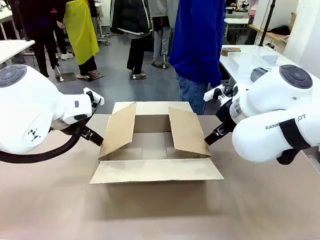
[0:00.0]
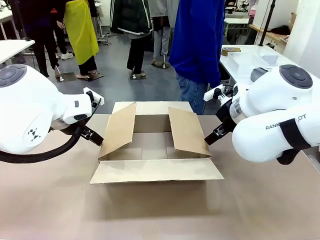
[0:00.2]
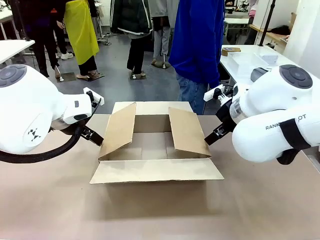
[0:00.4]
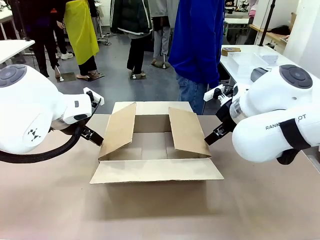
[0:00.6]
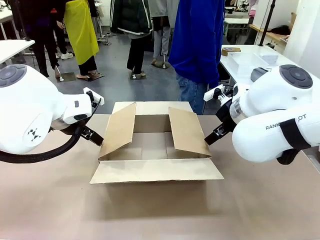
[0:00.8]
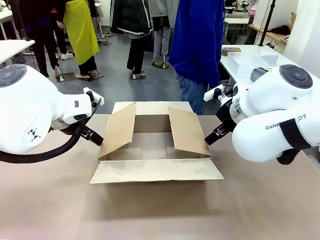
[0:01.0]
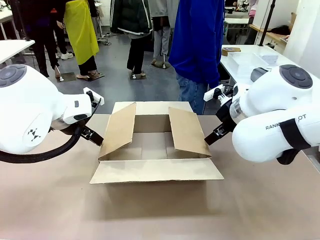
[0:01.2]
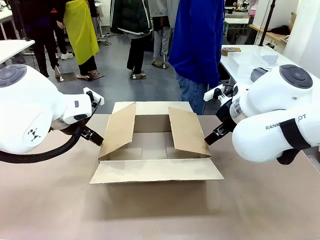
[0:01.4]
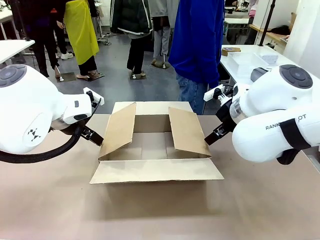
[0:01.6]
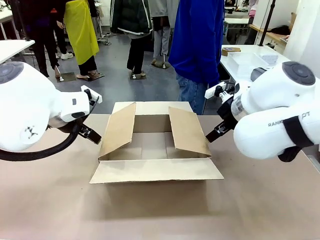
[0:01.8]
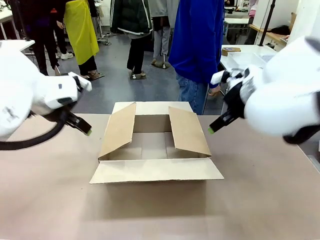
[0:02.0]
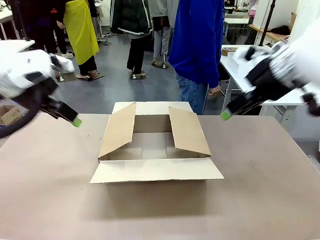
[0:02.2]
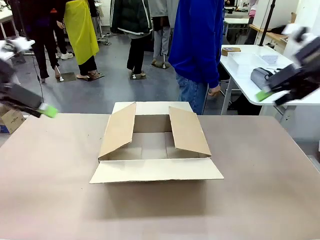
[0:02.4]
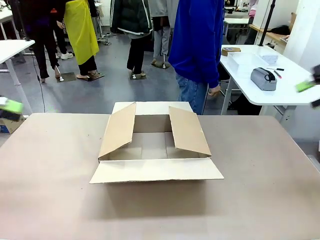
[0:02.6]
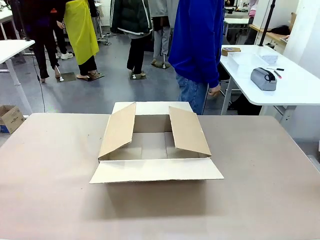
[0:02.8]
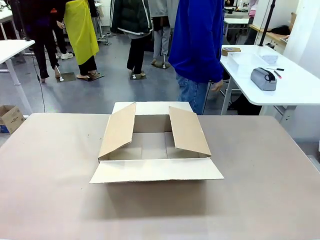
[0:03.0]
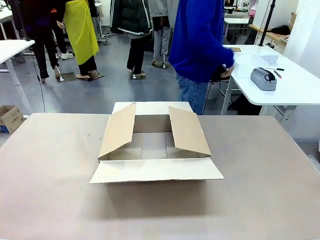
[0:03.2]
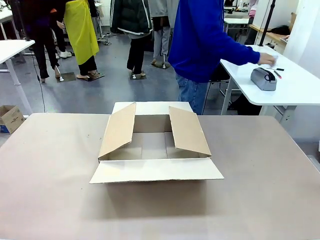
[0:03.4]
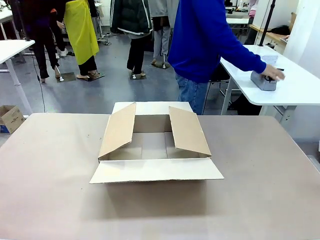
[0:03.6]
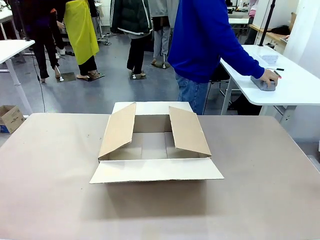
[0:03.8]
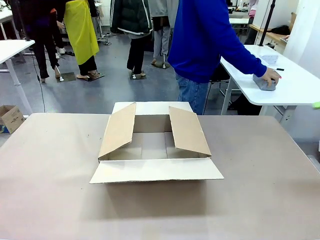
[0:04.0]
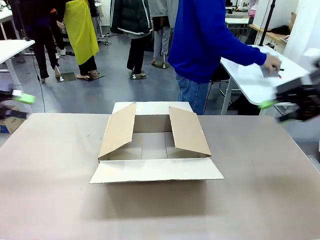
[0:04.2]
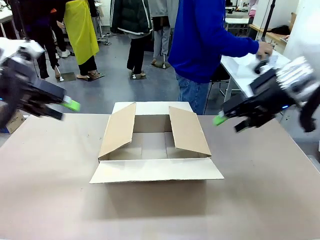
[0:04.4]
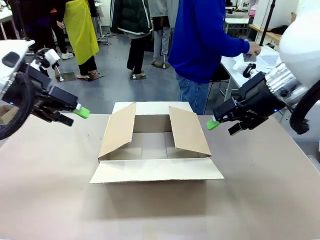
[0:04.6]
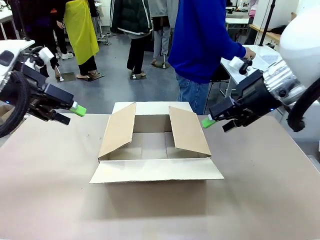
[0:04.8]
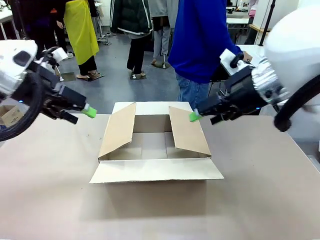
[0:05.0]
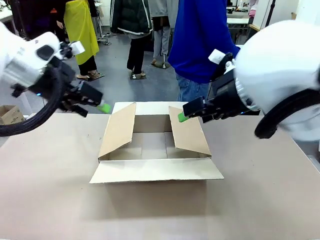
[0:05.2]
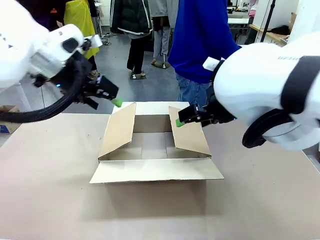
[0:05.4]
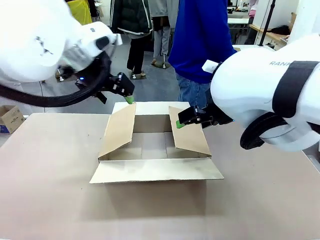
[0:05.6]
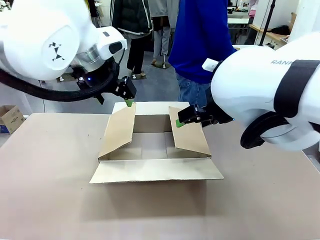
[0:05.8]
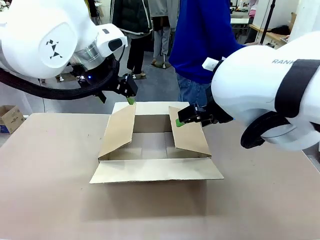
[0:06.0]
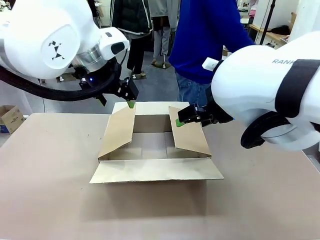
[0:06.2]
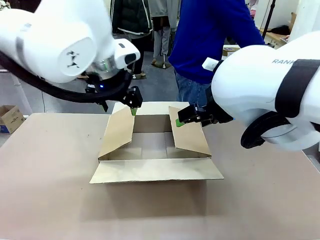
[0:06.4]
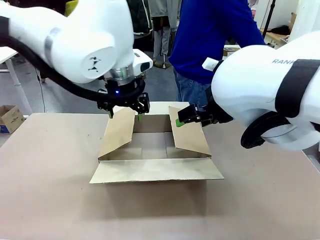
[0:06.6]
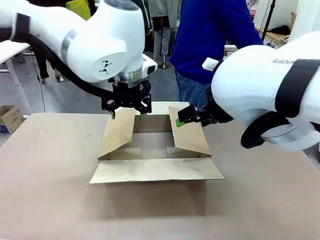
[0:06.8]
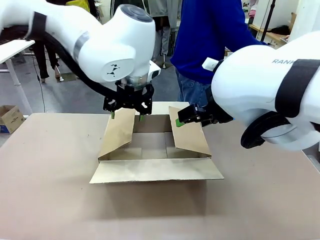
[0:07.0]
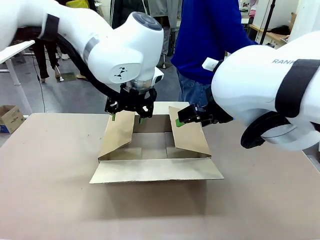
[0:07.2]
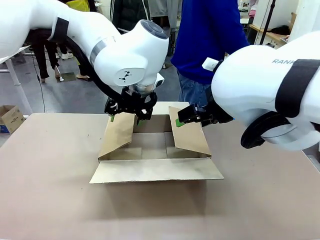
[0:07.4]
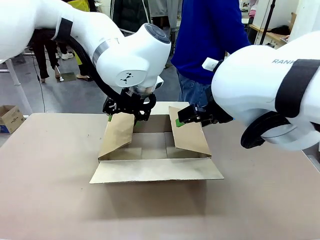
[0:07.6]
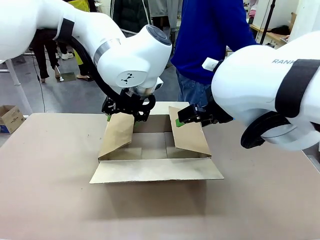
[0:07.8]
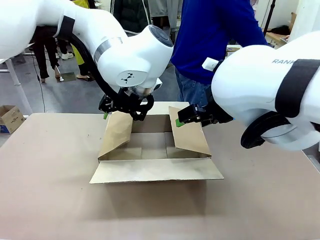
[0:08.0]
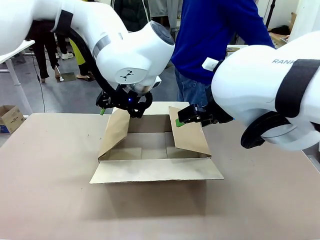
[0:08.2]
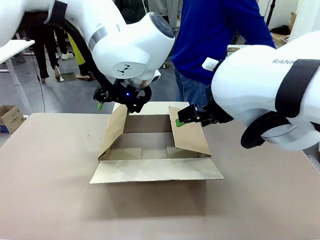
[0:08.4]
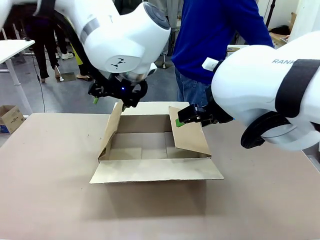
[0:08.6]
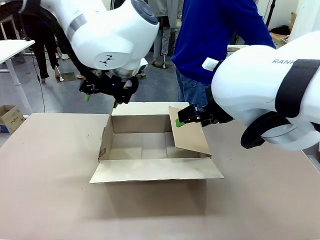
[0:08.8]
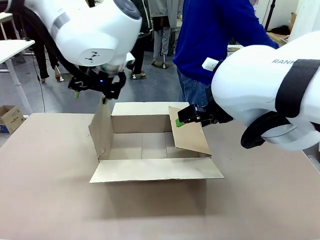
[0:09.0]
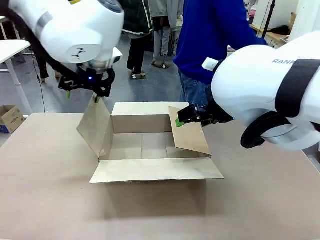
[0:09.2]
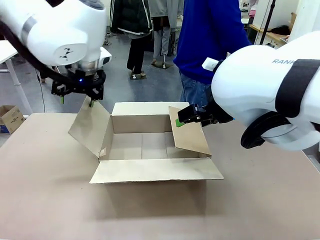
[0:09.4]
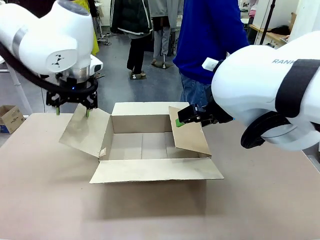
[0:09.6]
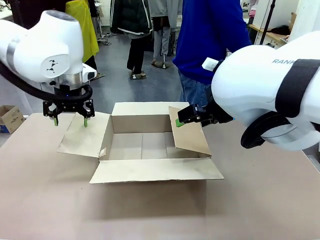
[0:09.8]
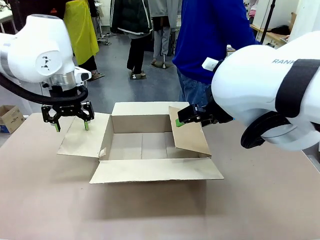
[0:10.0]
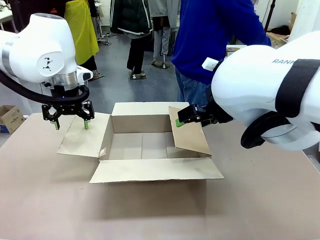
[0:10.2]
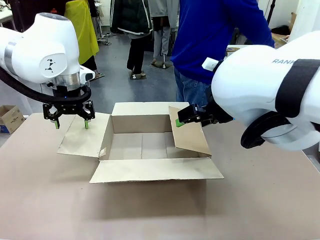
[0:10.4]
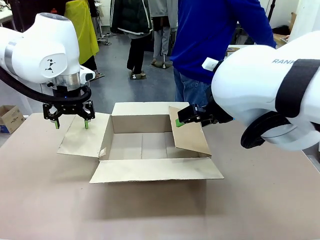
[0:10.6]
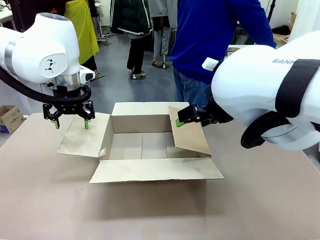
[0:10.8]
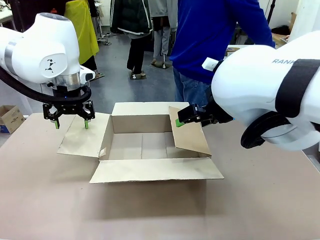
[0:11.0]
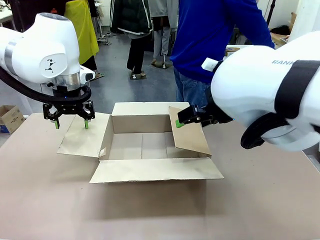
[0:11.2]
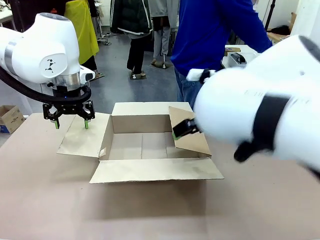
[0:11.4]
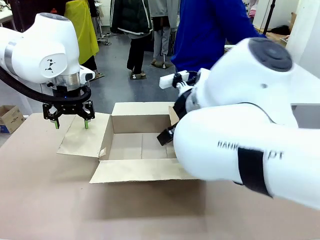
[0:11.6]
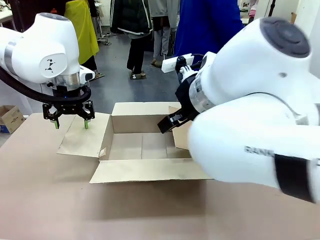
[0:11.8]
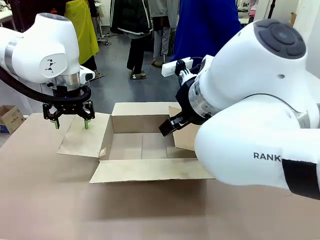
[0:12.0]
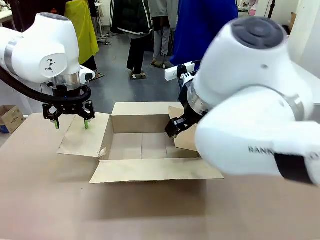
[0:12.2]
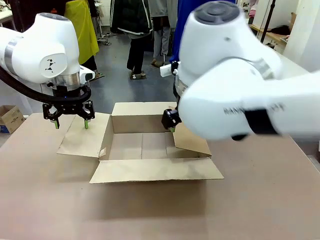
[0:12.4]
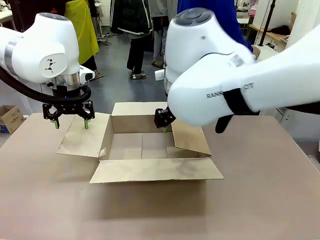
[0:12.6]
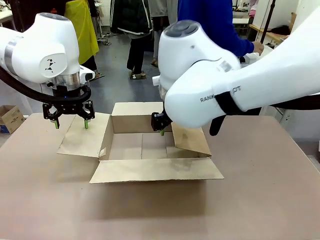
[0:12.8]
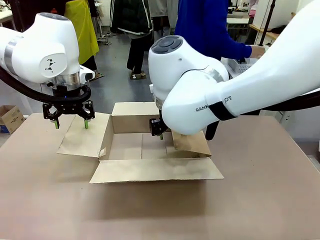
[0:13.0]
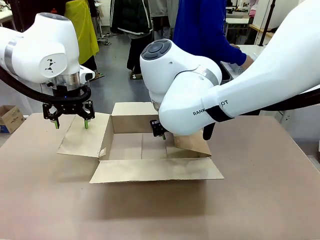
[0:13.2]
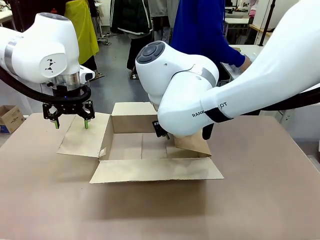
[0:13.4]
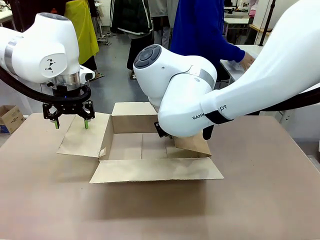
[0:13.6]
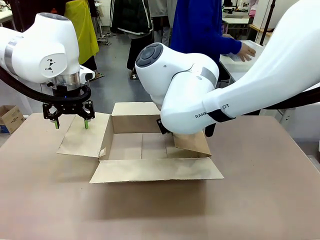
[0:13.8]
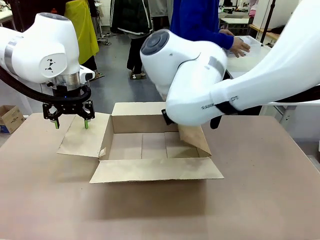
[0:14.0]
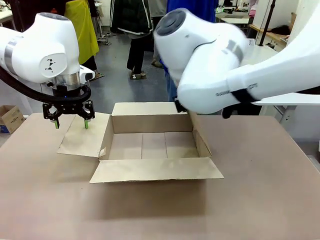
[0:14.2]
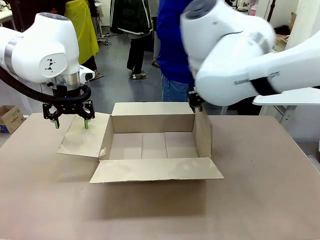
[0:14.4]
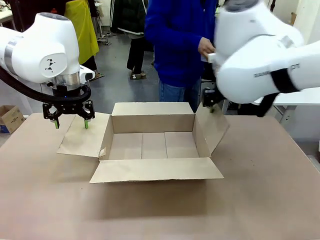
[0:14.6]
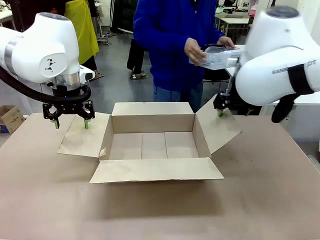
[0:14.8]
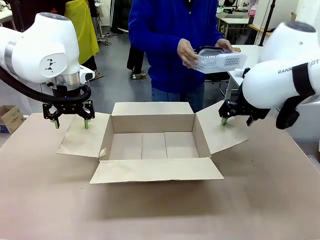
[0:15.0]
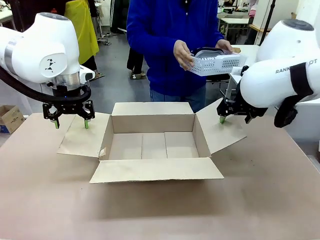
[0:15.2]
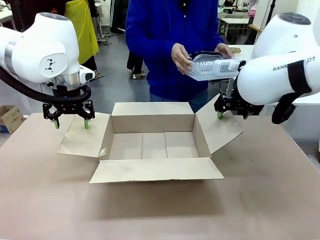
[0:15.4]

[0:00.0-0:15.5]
Task: Pack the gift set into the box.
Robot: Place both hands on the side flaps of the Package Box and spread them outward.
Person: The human places all items except the paper tape into the organizing basket.

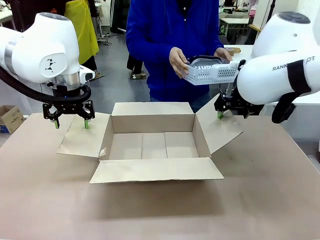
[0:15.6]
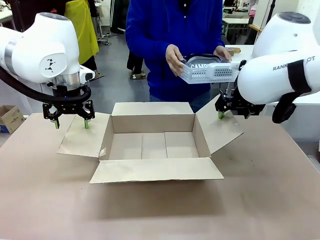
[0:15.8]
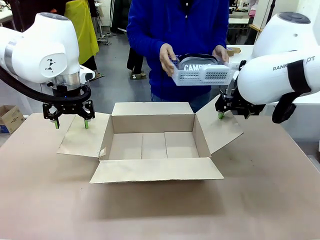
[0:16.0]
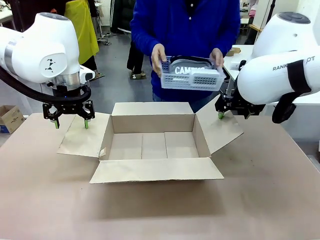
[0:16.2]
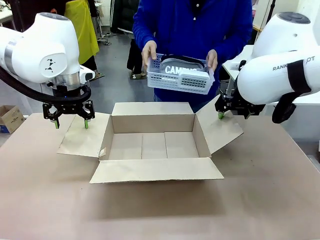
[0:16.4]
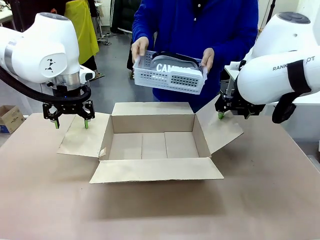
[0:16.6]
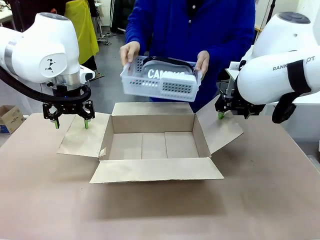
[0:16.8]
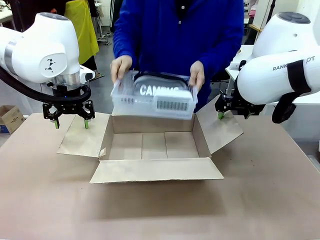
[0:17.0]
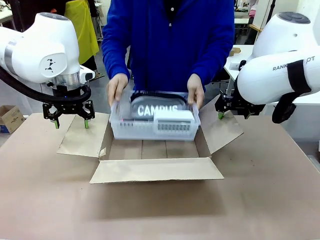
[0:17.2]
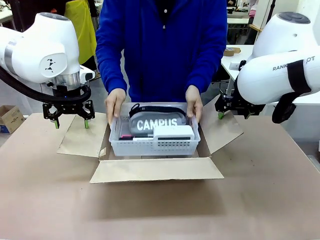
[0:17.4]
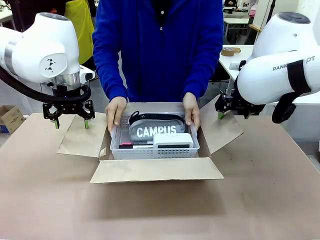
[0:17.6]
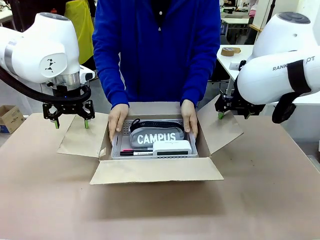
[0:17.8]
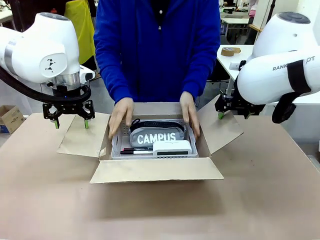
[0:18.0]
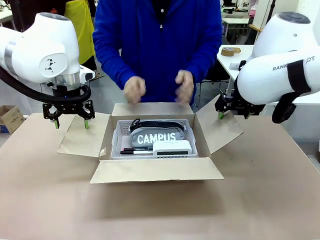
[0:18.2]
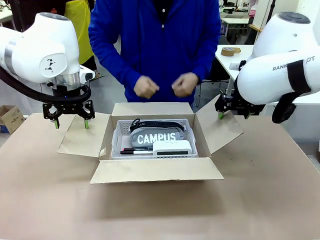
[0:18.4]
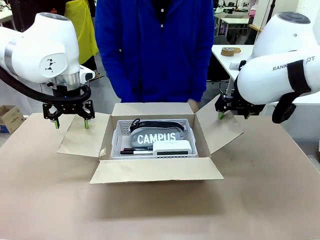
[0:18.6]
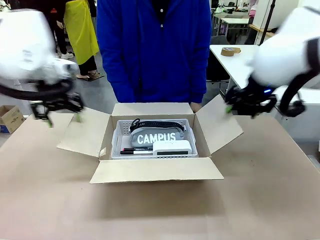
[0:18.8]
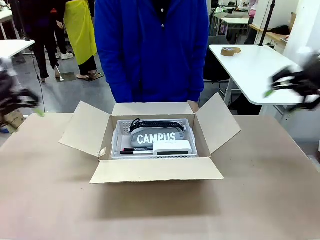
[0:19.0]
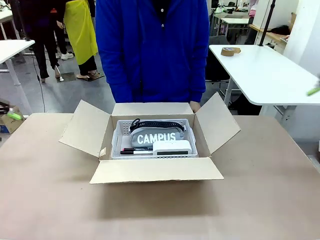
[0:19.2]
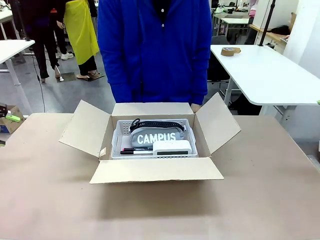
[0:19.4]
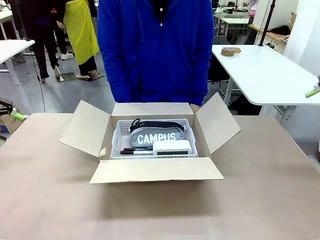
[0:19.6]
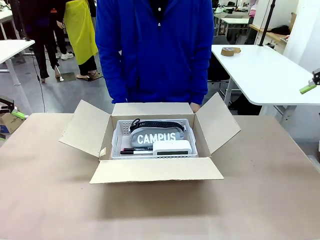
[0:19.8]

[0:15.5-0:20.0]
Robot: Lift both hands away from the flaps of the Package Box.
Person: The human picks up the organizing basket and places the organizing basket into the package box on the robot table.
